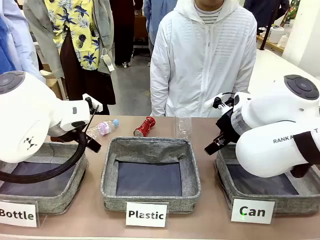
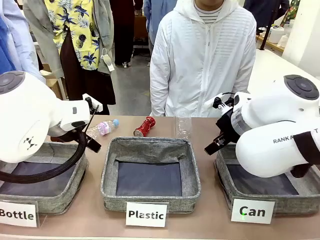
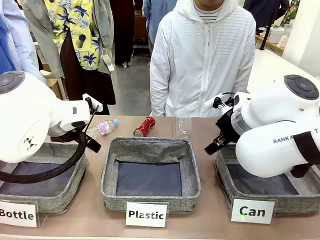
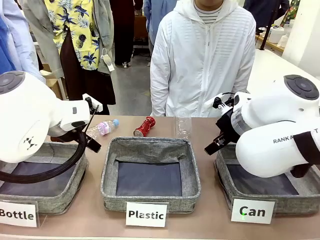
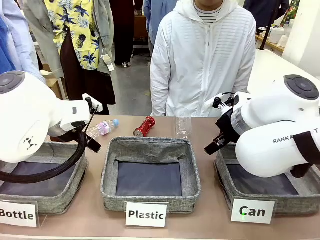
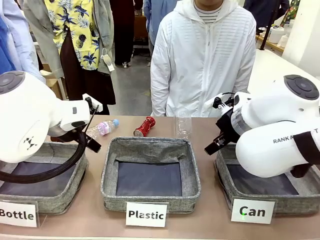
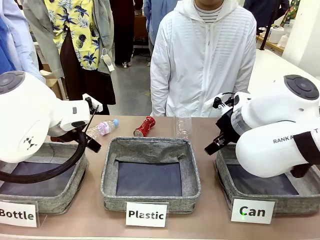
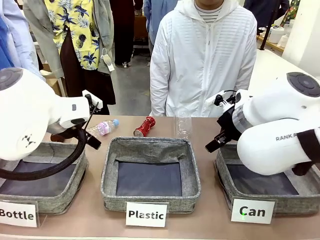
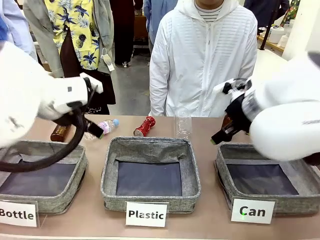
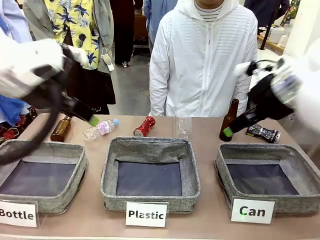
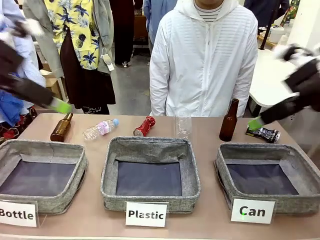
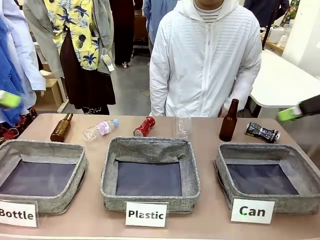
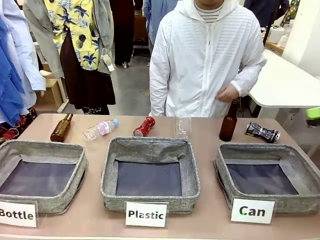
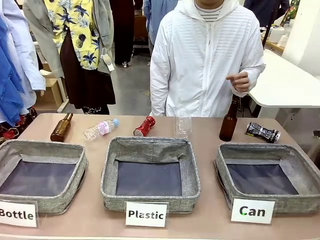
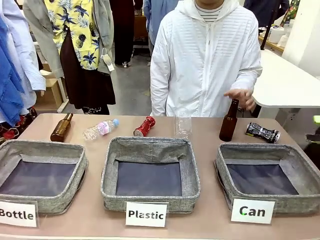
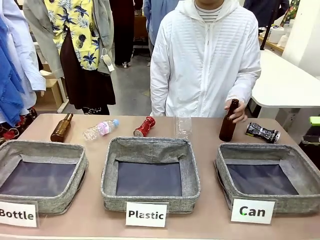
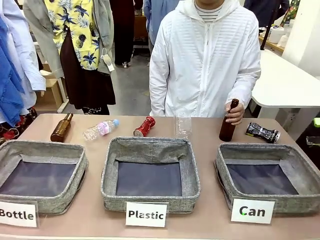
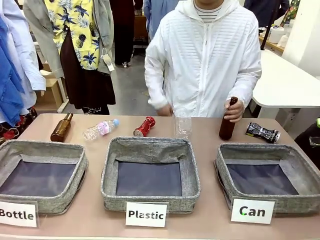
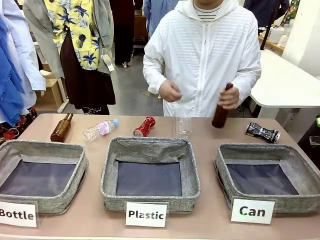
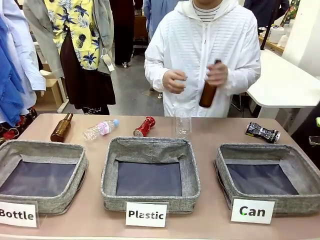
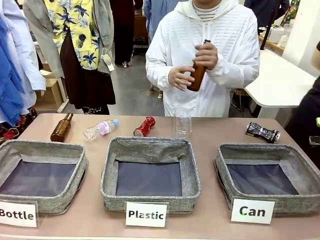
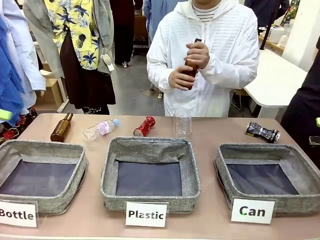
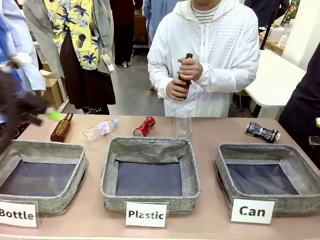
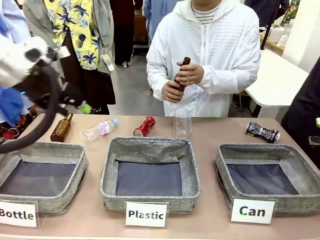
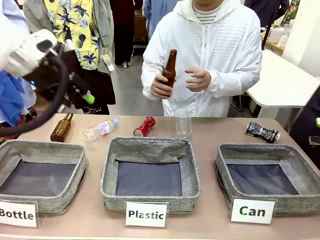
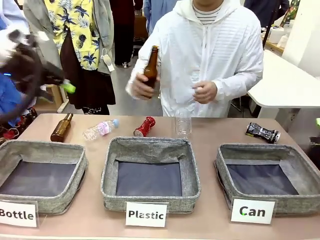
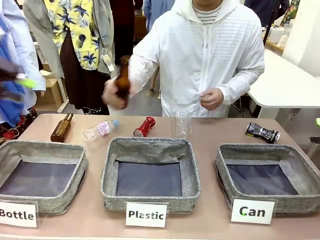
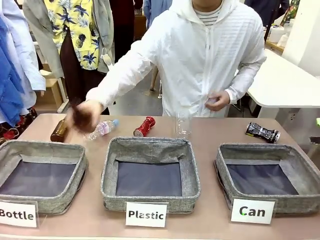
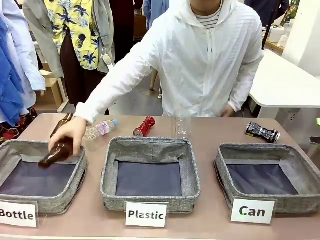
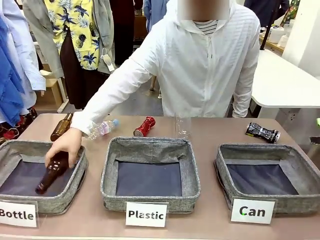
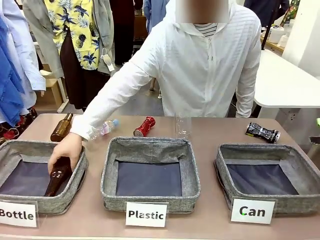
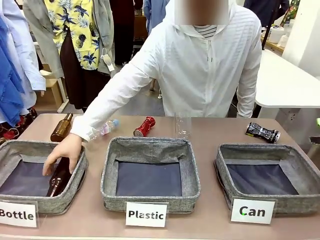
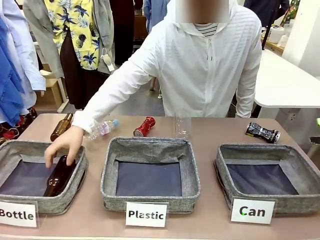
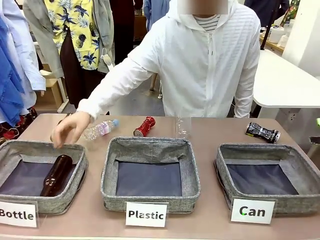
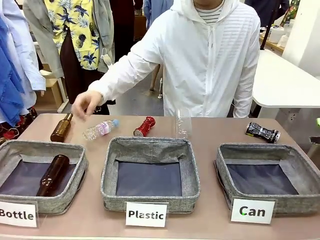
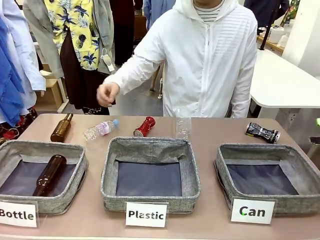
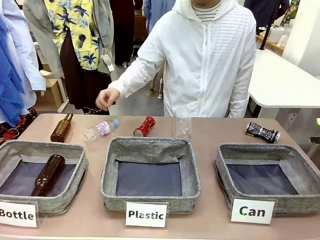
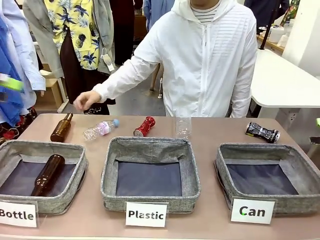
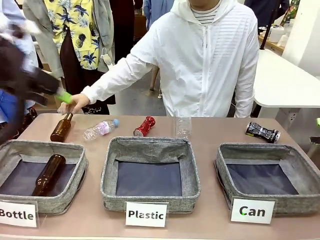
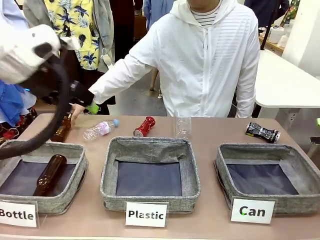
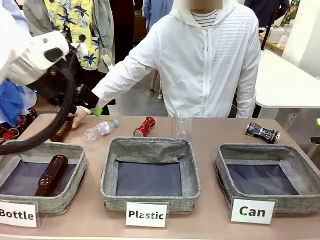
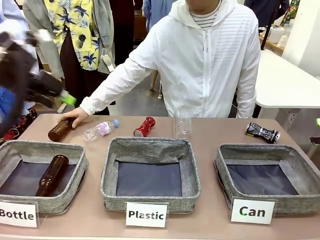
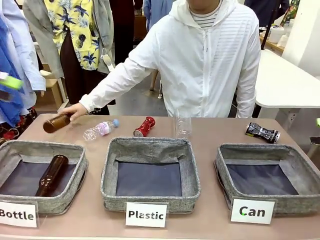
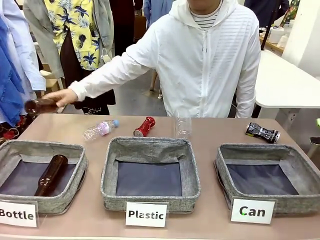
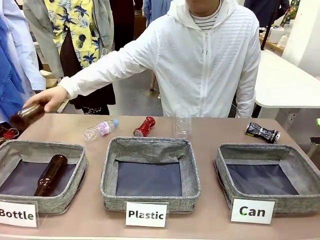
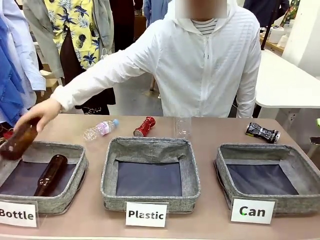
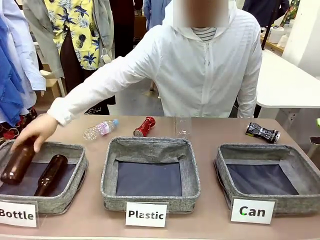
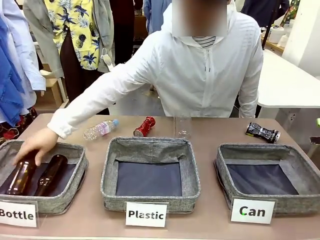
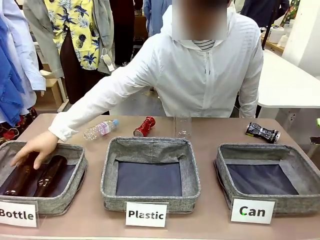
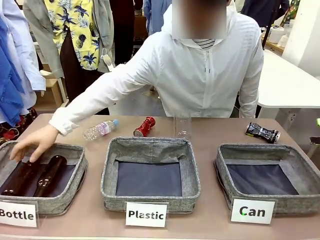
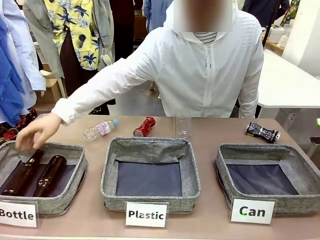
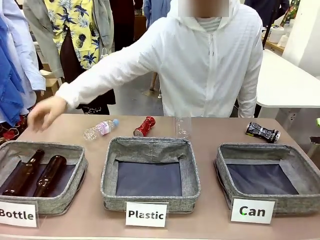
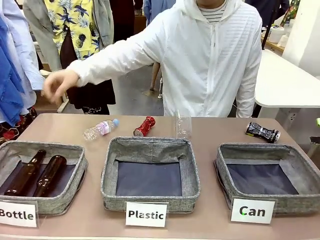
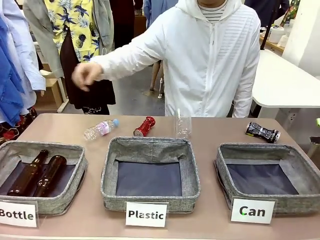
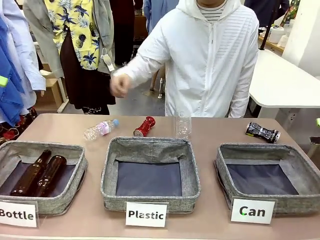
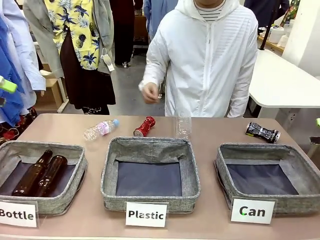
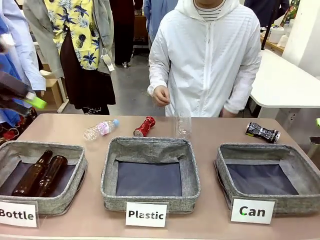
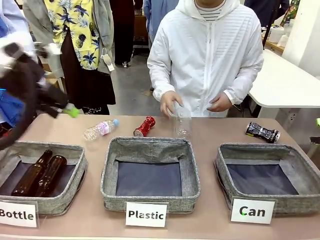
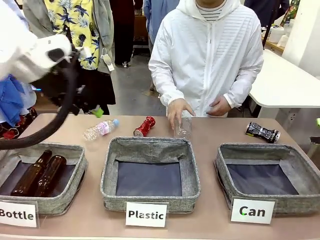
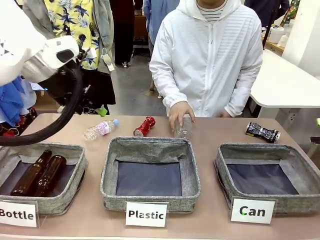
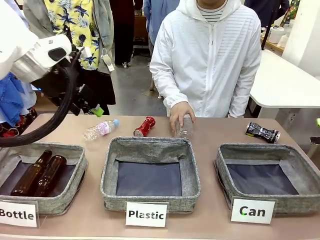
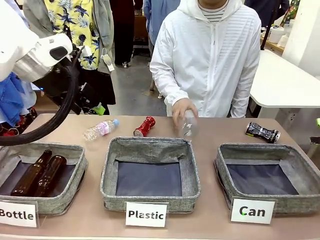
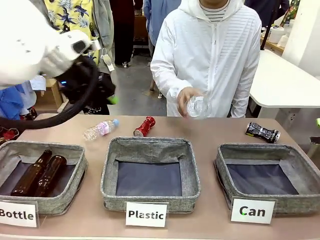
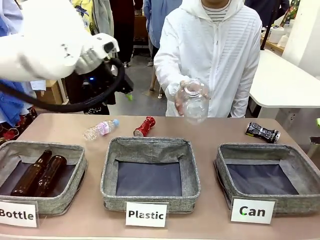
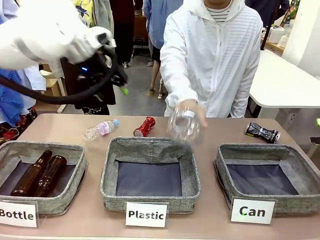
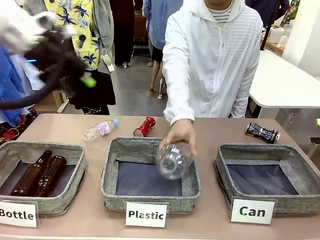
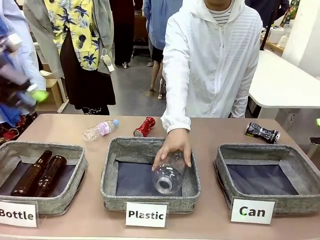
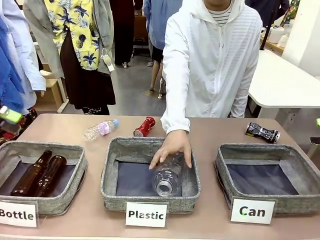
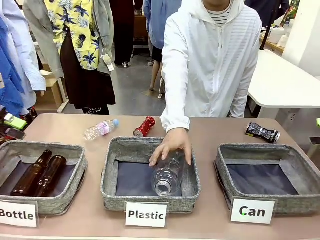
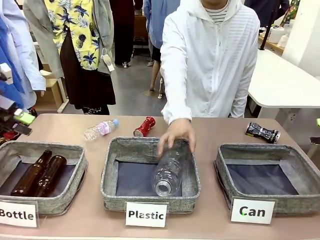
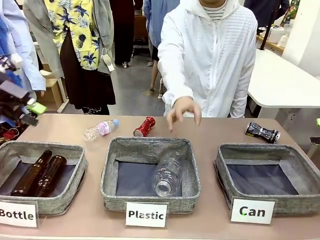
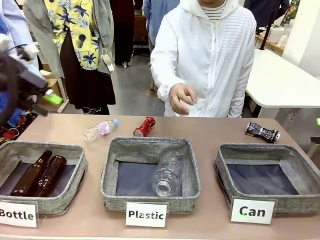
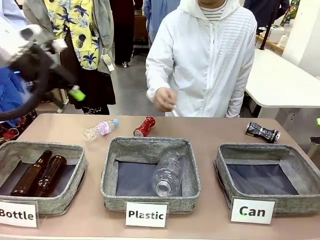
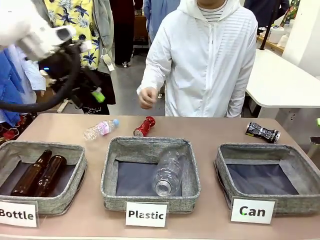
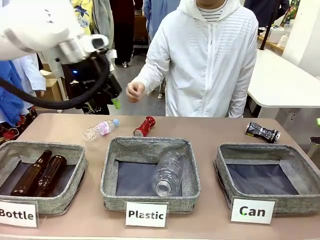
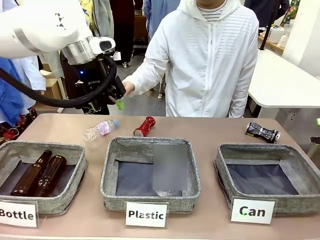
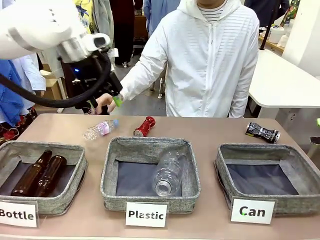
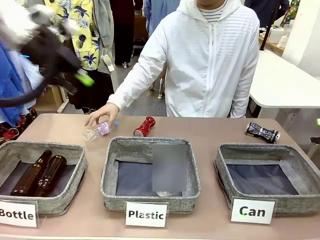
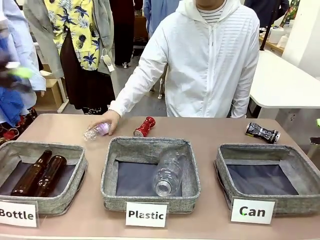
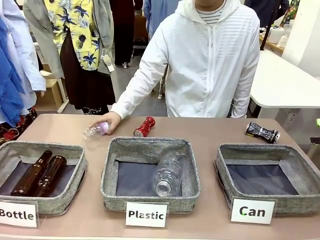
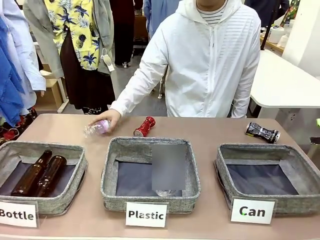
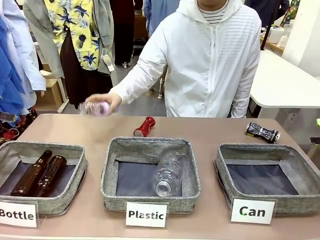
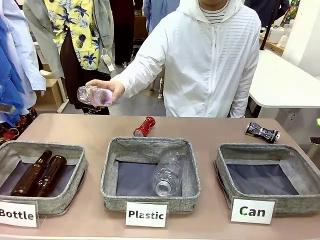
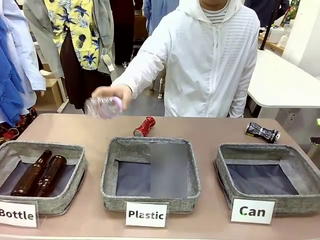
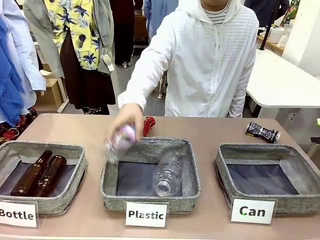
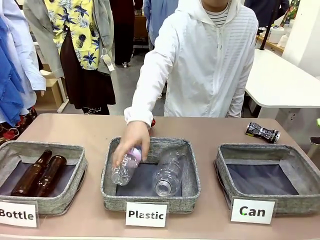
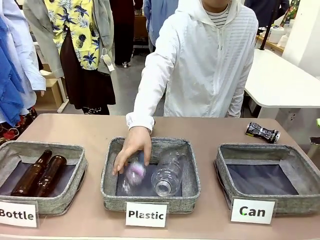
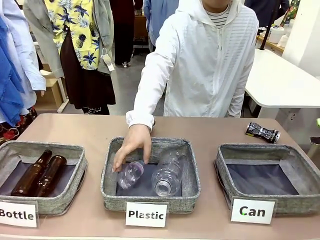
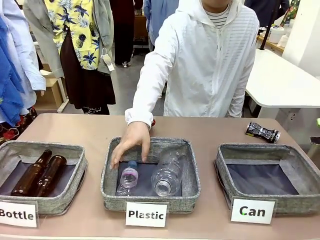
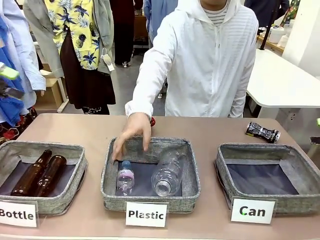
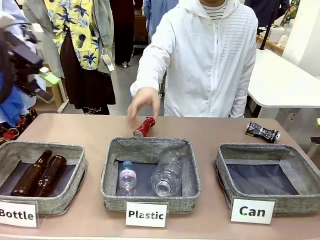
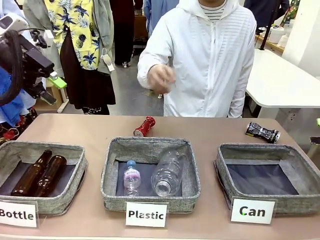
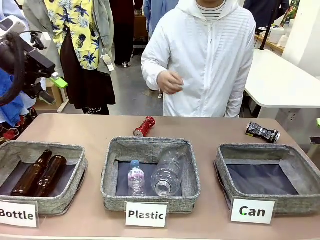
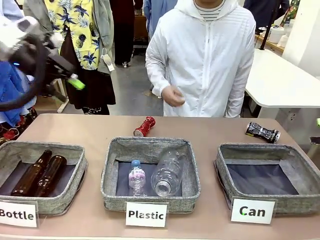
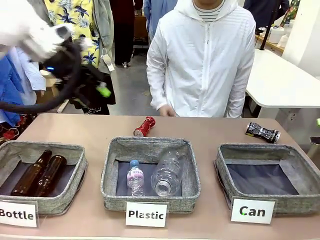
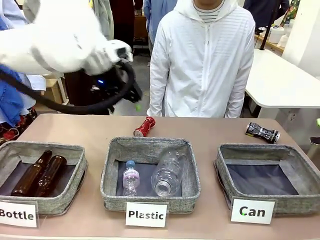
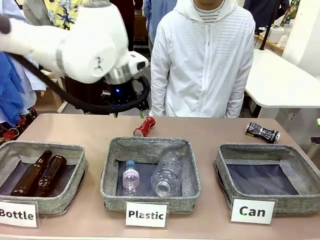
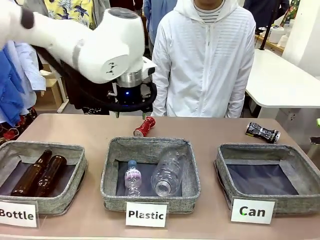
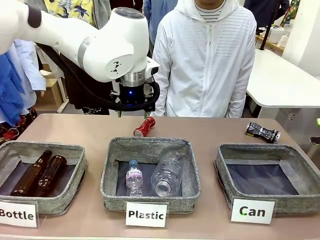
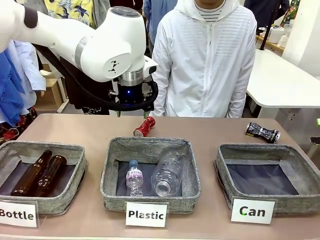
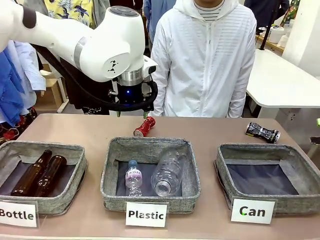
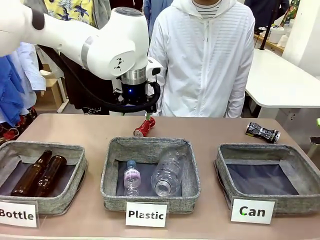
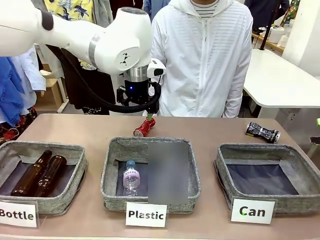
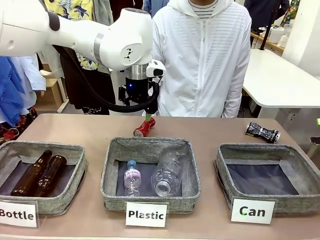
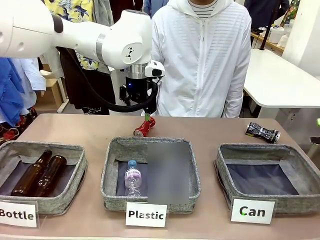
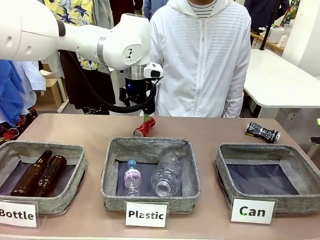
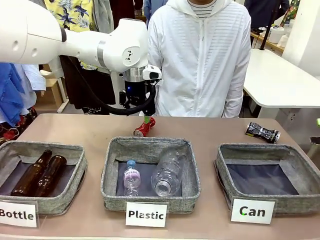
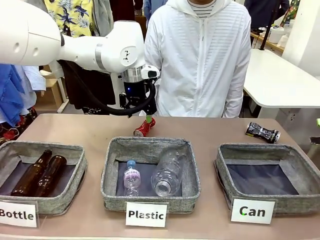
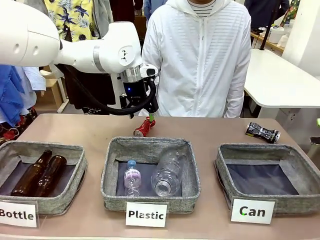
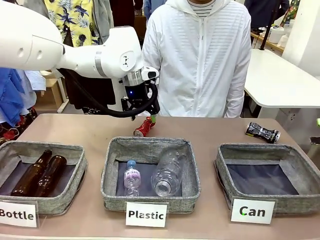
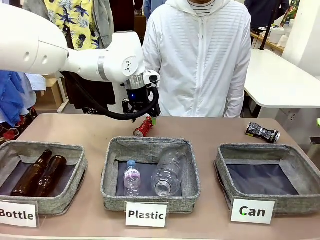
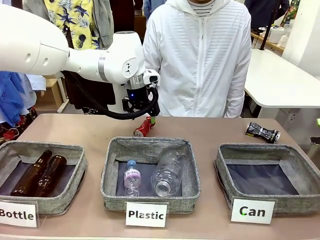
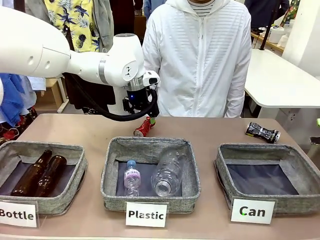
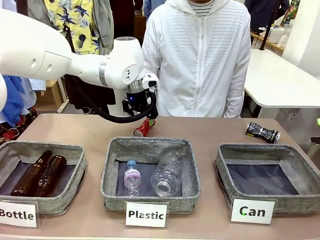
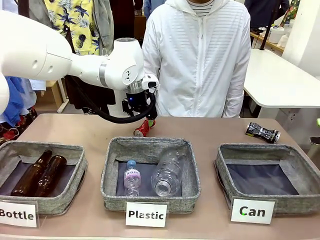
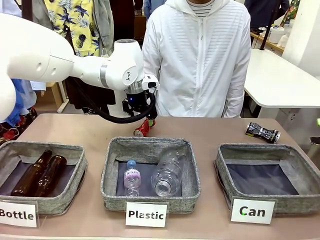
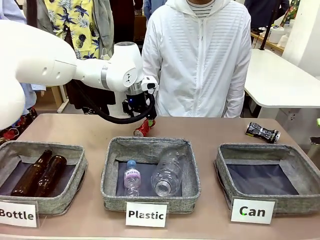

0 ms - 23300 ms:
Task: Sort the can waste into the basket.
Robot: Pick up the can waste from the table and place it in the right Fabric basket.
